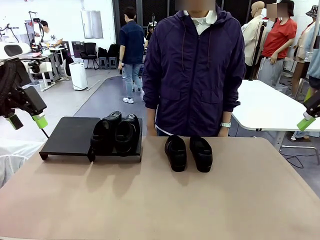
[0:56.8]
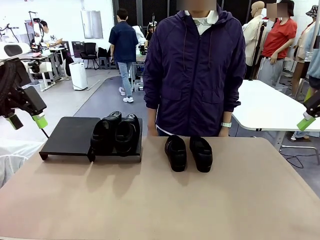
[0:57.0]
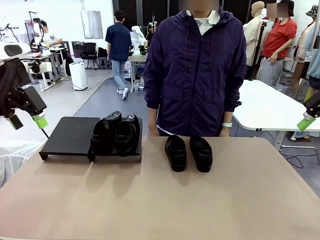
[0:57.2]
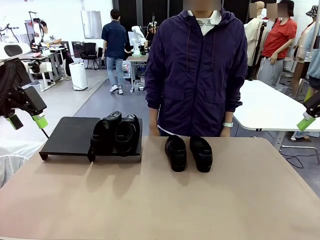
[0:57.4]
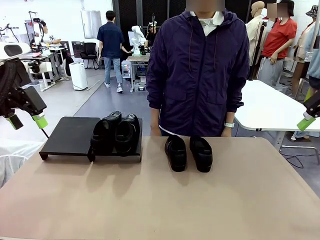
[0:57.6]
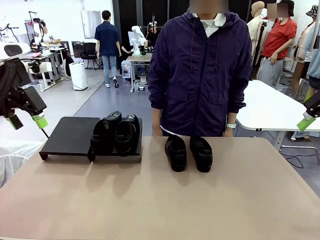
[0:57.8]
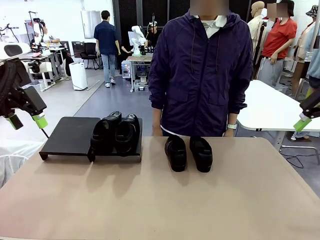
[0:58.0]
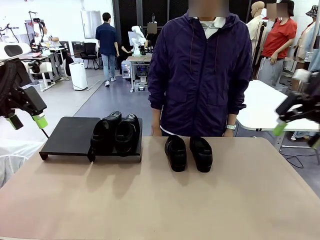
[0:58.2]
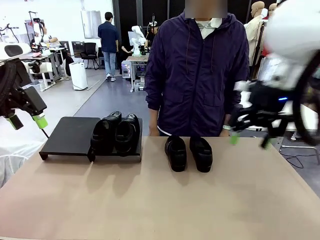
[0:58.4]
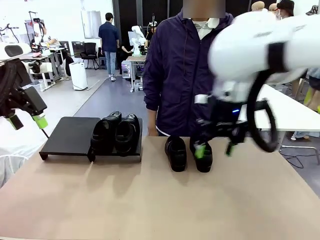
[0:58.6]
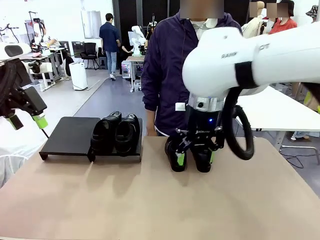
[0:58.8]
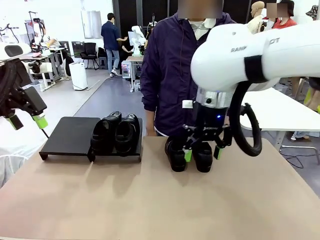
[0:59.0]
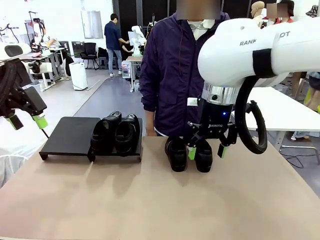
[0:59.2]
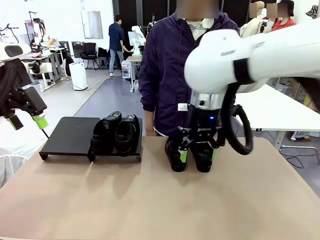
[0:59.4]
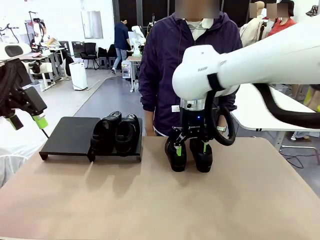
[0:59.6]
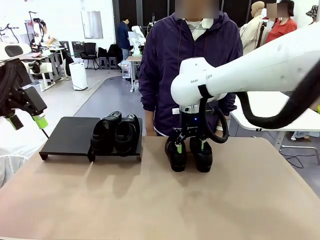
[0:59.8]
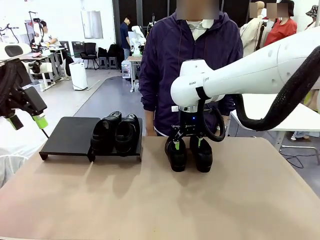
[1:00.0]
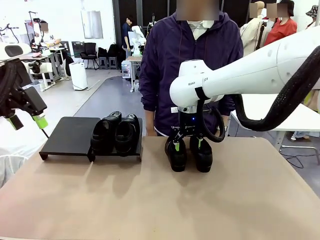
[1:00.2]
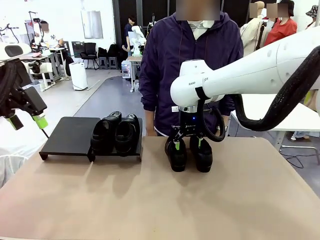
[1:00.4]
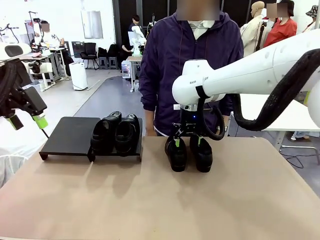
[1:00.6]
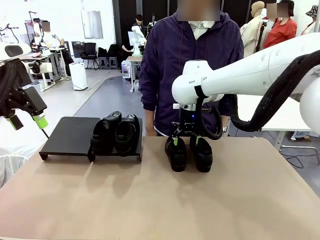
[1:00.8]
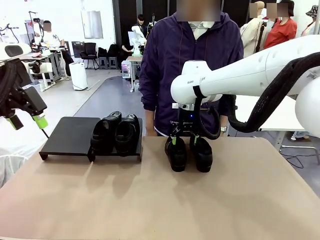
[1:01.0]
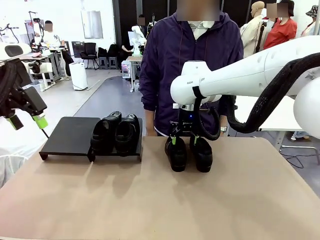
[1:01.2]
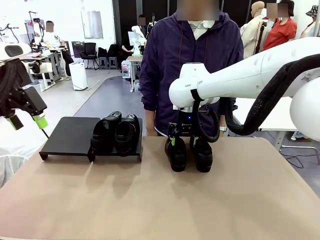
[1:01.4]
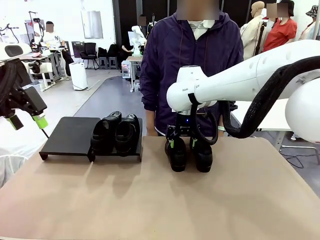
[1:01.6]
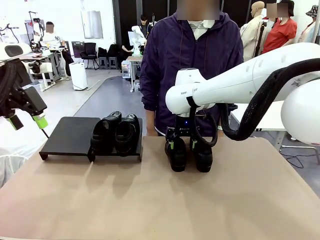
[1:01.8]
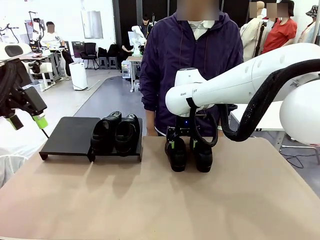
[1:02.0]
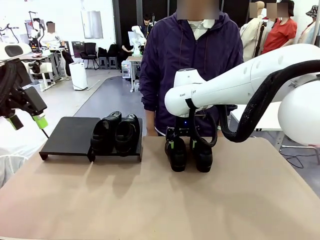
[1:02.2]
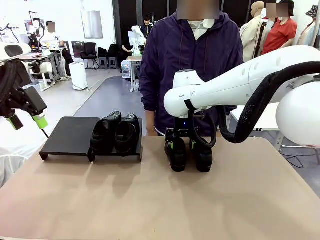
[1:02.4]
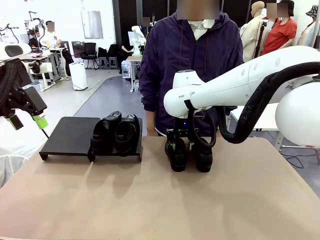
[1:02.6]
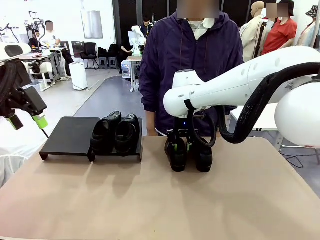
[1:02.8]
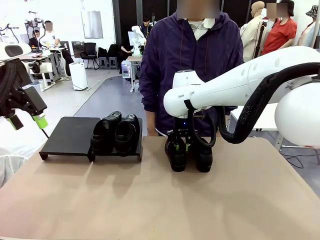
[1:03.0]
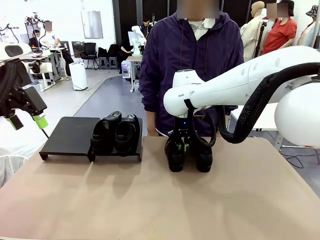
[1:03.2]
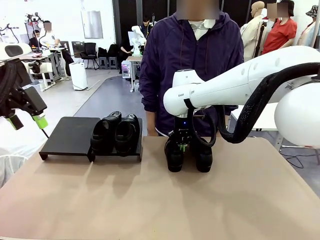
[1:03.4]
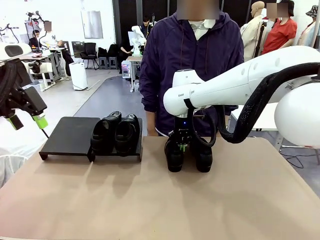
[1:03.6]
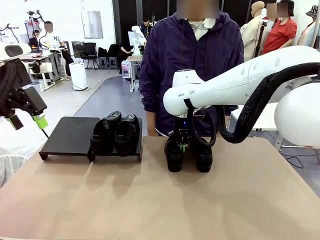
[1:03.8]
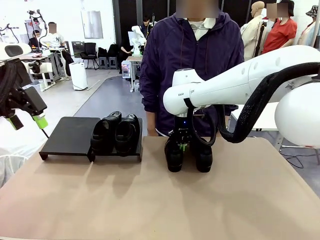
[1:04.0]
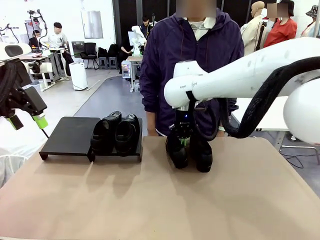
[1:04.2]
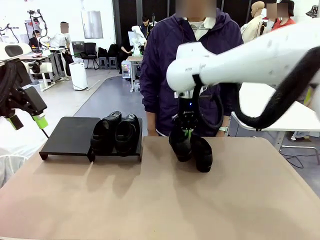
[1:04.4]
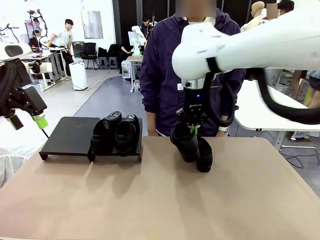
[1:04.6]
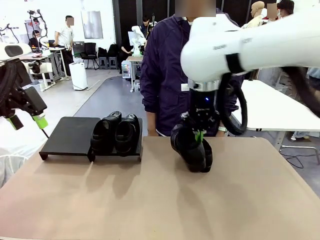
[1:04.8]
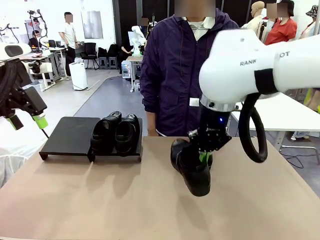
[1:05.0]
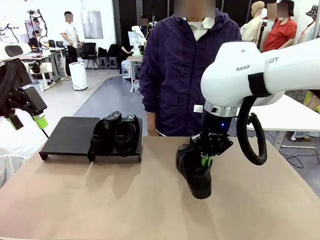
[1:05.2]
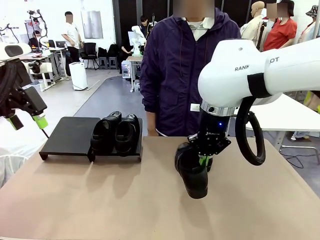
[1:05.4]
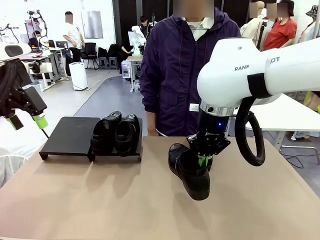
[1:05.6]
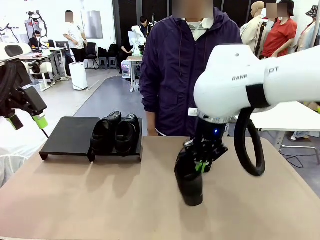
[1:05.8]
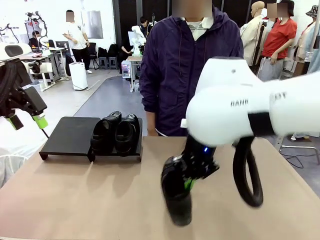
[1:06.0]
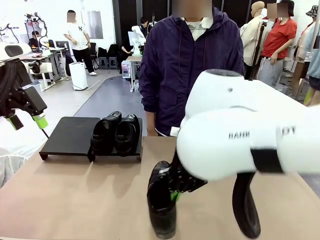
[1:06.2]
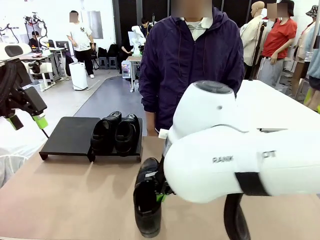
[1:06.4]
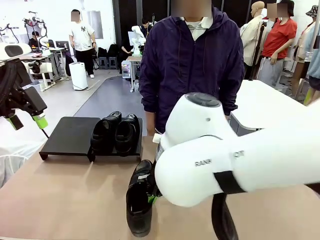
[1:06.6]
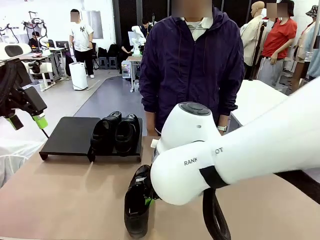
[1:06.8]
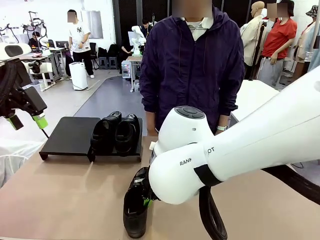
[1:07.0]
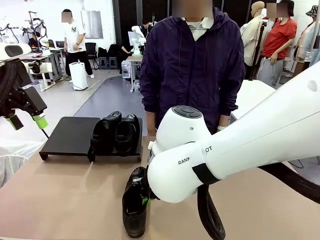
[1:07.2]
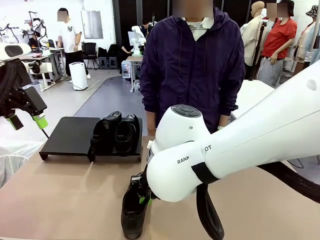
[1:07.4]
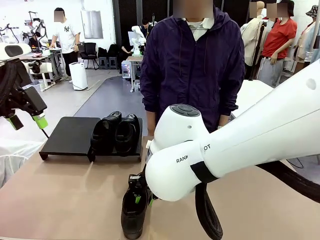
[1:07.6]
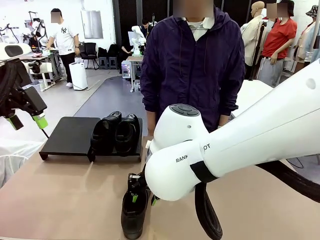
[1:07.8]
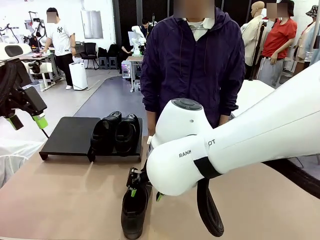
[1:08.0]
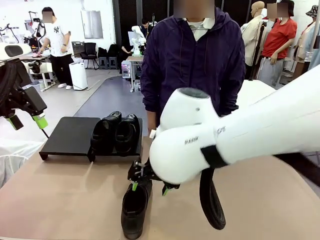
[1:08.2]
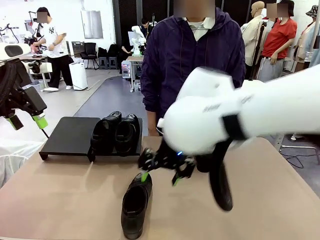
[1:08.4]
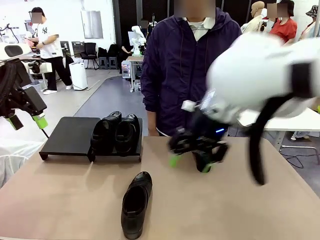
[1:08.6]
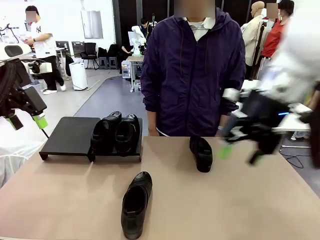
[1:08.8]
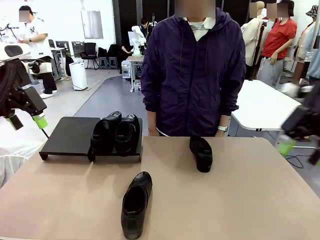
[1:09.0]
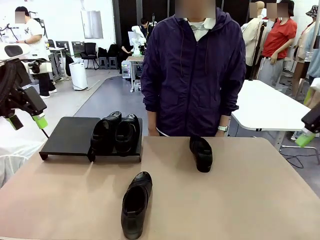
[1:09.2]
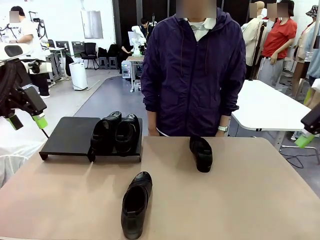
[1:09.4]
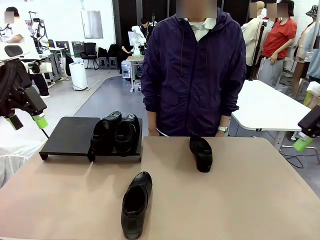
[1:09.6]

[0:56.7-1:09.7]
Task: Organize the shoes by placing them on the stand.
Robot: Pick up one Shoe and place it in the middle of the table.

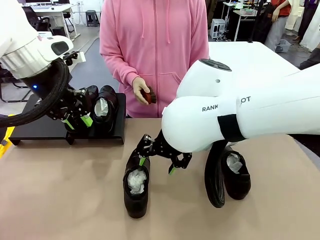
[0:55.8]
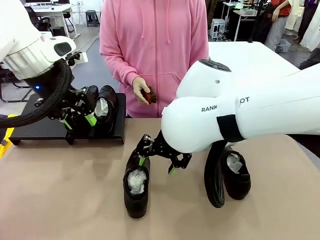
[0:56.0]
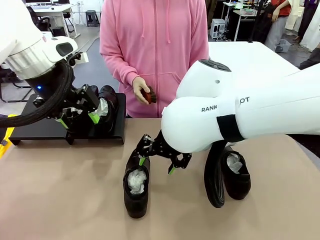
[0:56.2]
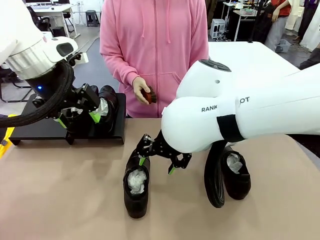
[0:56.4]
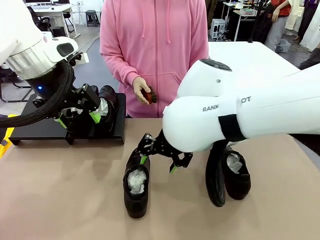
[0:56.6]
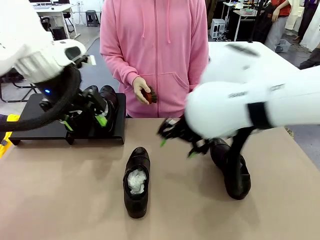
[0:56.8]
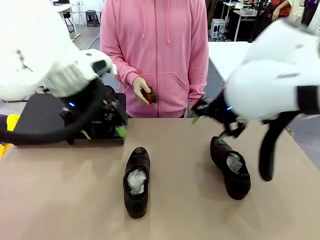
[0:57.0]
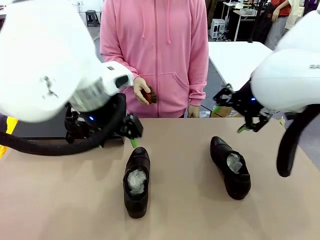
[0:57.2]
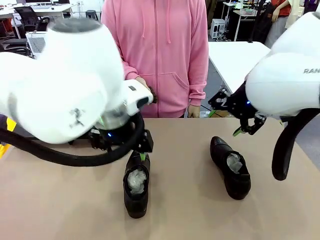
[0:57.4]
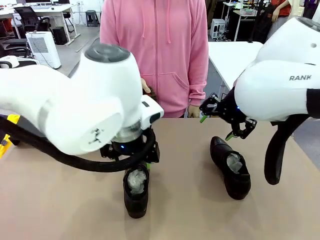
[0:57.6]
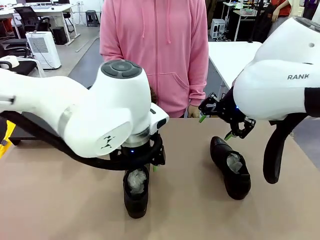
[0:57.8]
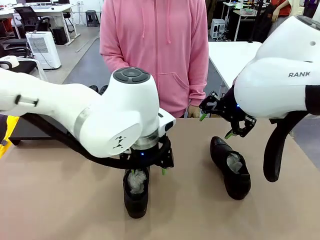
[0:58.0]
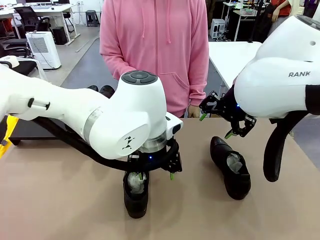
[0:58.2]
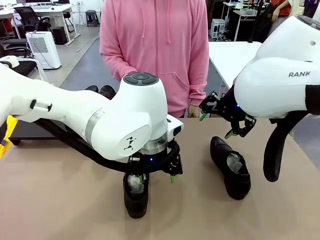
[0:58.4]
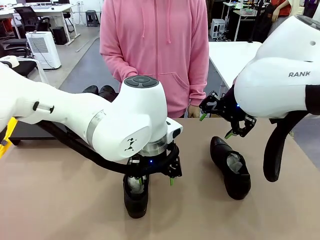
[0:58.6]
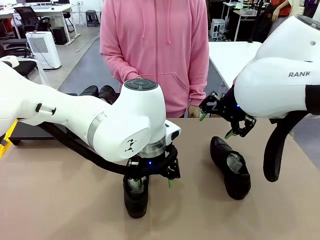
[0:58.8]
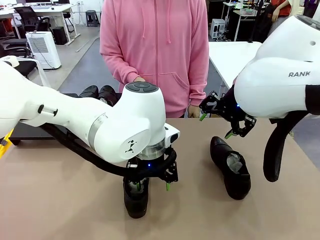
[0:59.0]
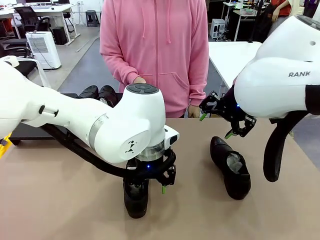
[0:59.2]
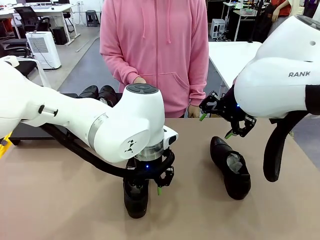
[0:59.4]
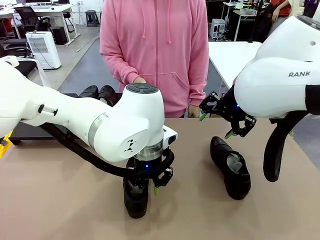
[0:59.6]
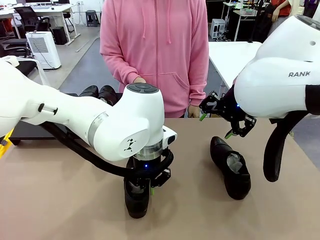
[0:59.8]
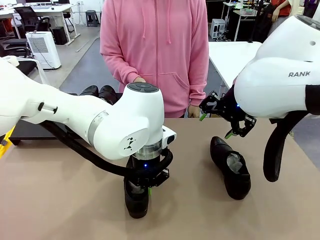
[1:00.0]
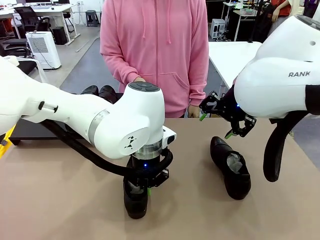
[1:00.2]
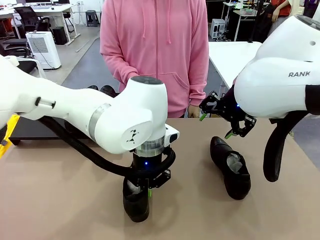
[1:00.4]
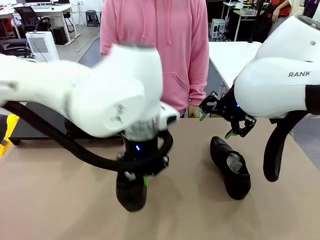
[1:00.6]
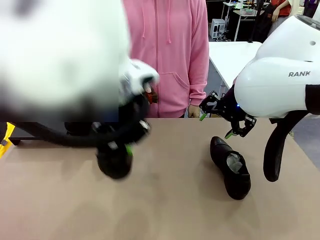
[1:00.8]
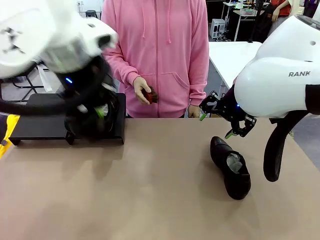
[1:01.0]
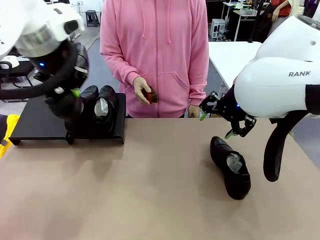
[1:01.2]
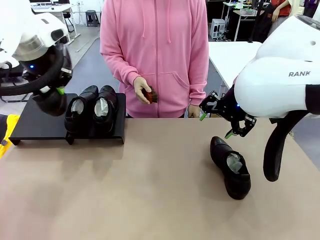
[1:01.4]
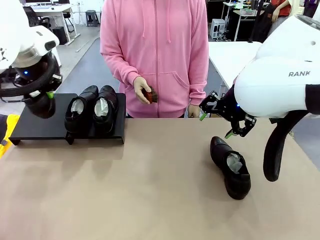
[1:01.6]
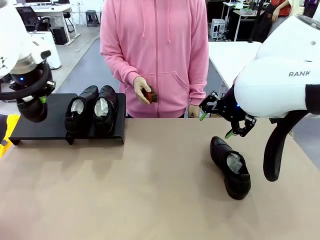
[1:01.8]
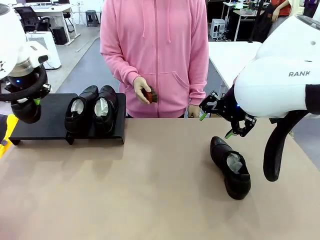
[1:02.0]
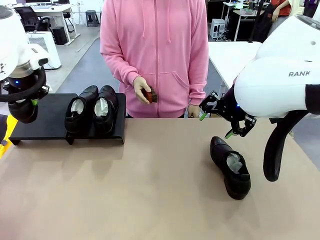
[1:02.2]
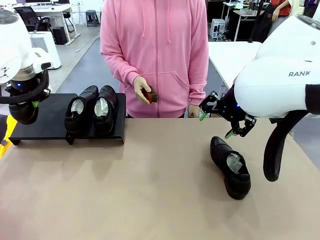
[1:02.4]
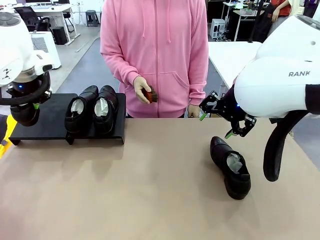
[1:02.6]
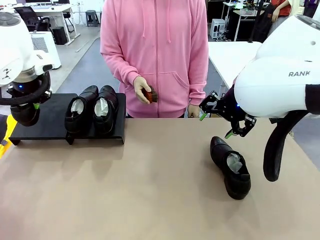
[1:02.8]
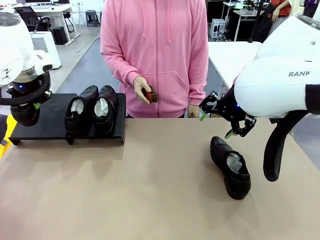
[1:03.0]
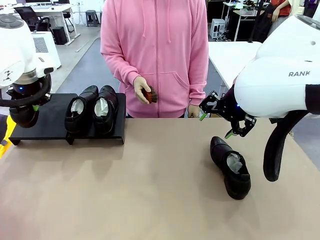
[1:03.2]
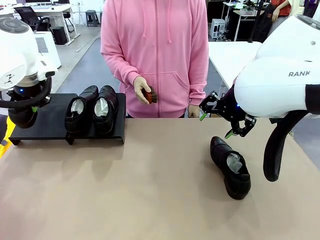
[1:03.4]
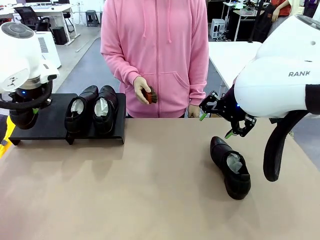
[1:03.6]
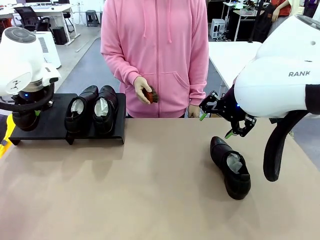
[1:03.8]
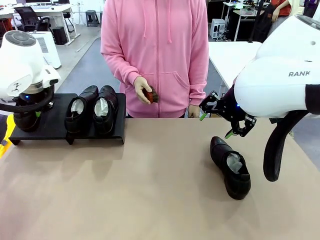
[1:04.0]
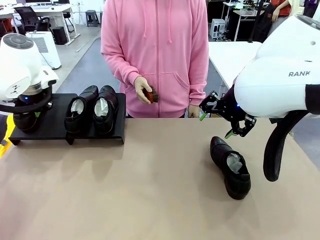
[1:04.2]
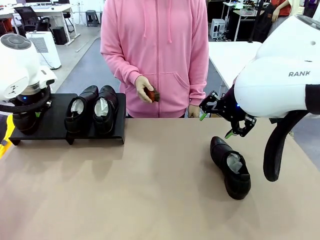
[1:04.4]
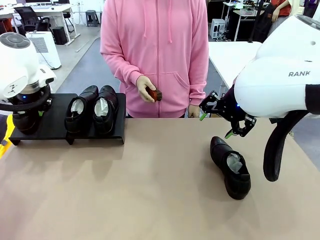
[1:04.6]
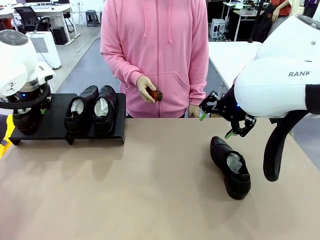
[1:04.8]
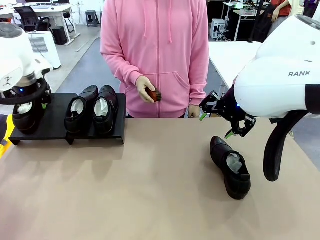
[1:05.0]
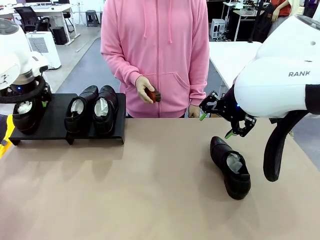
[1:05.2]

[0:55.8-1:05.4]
Task: Organize the shoes by placing them on the stand.
Robot: Place the Shoe from the middle of the table onto the Shoes Stand.
